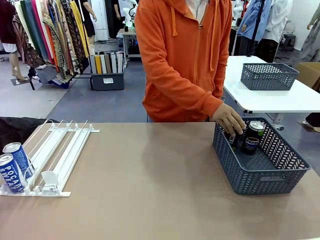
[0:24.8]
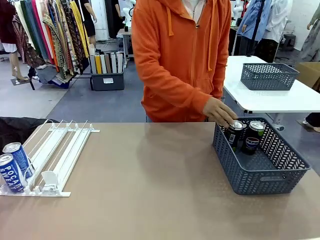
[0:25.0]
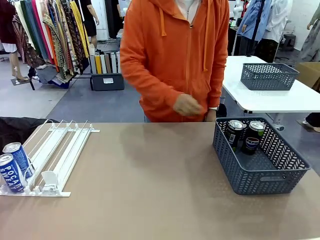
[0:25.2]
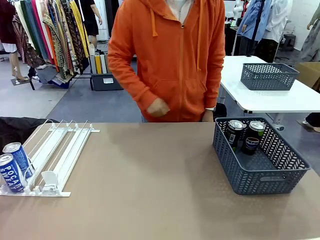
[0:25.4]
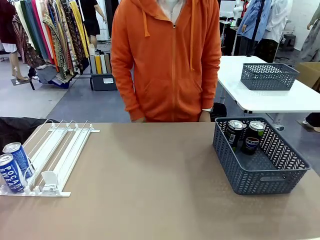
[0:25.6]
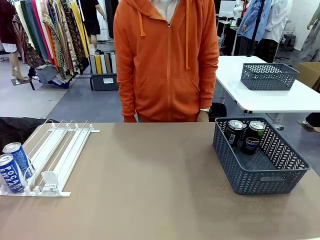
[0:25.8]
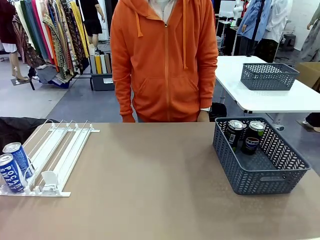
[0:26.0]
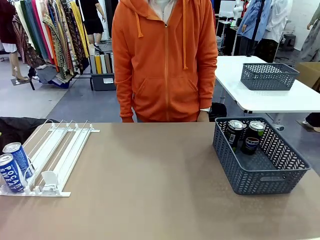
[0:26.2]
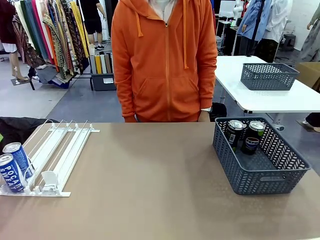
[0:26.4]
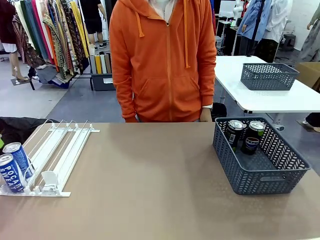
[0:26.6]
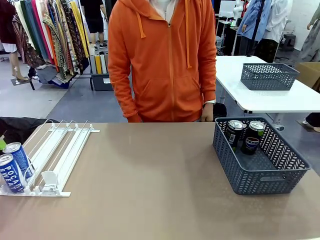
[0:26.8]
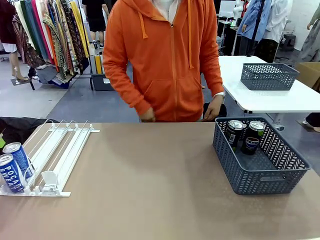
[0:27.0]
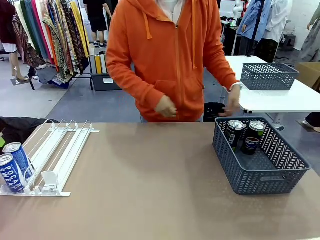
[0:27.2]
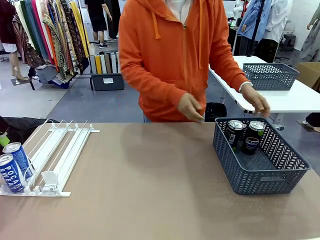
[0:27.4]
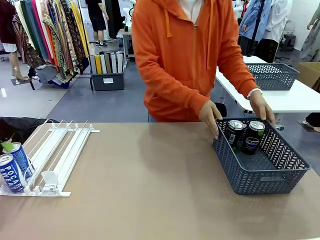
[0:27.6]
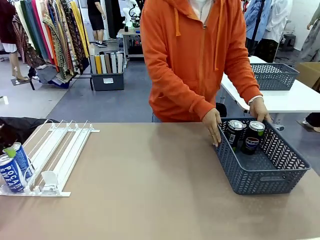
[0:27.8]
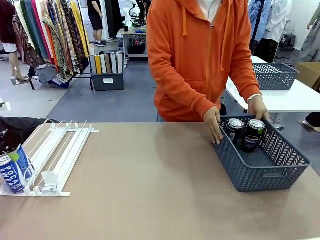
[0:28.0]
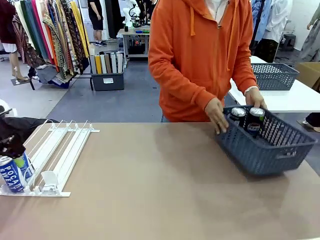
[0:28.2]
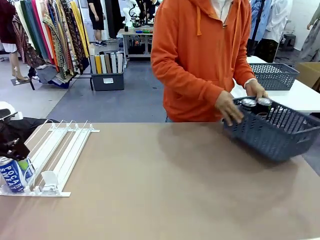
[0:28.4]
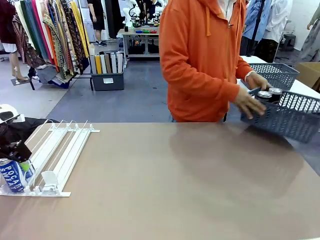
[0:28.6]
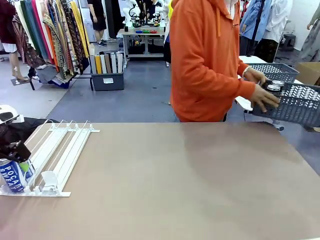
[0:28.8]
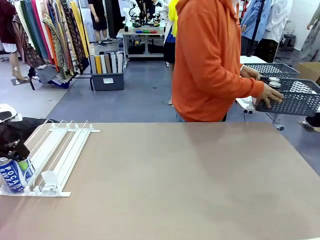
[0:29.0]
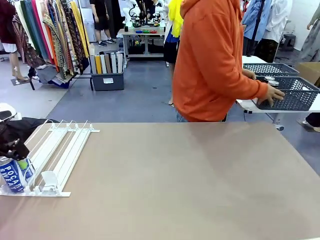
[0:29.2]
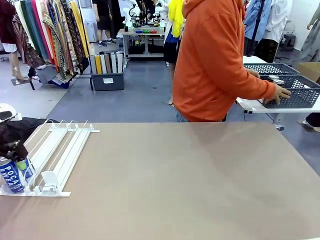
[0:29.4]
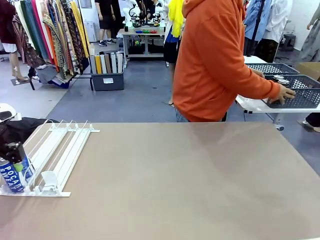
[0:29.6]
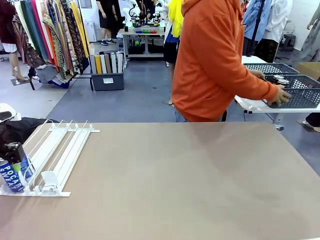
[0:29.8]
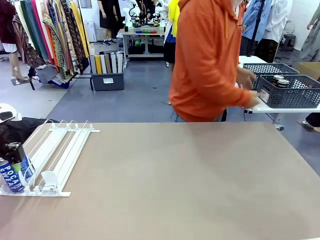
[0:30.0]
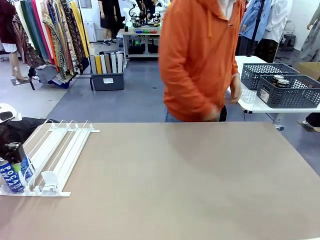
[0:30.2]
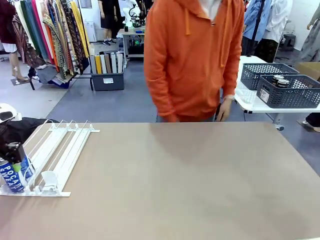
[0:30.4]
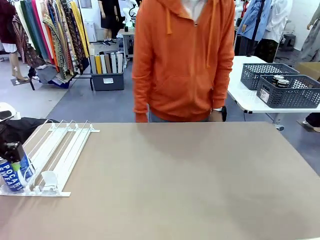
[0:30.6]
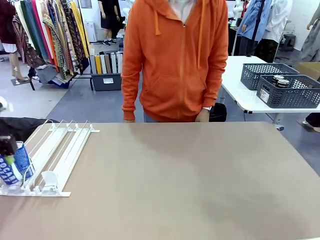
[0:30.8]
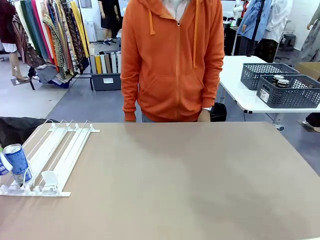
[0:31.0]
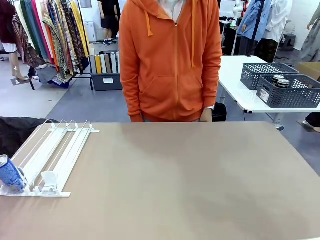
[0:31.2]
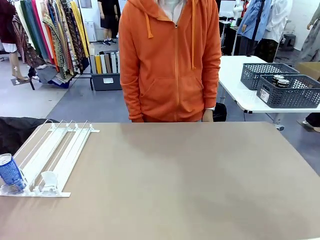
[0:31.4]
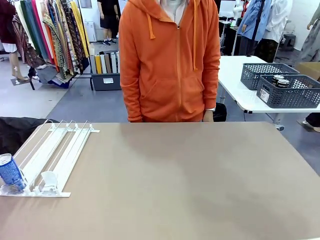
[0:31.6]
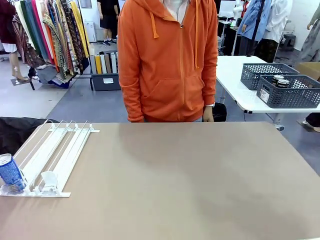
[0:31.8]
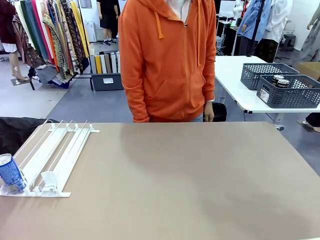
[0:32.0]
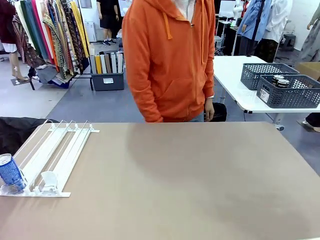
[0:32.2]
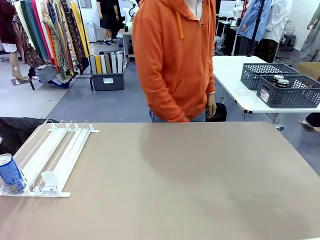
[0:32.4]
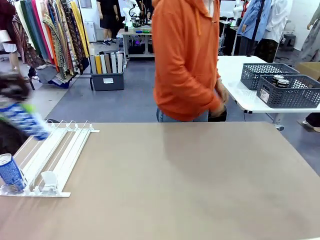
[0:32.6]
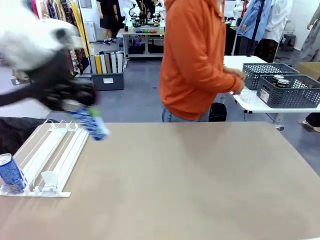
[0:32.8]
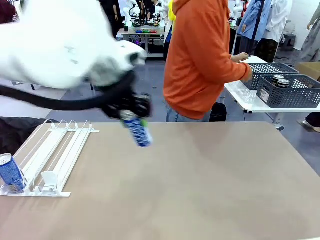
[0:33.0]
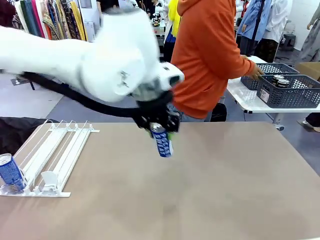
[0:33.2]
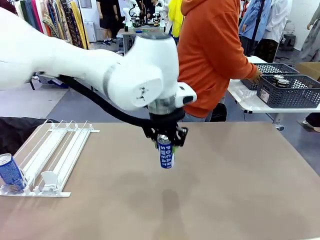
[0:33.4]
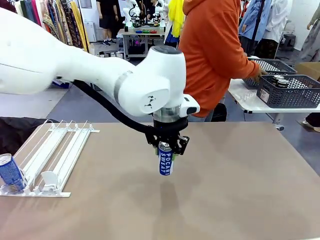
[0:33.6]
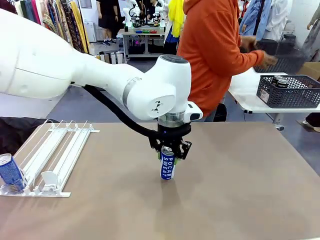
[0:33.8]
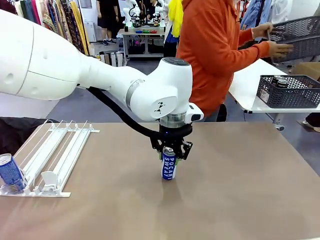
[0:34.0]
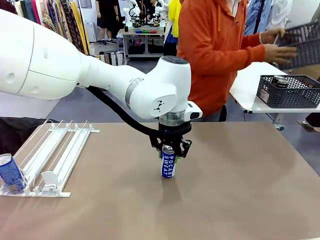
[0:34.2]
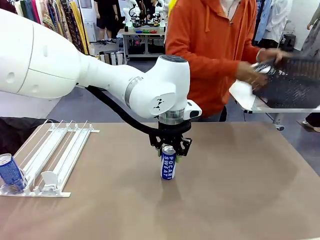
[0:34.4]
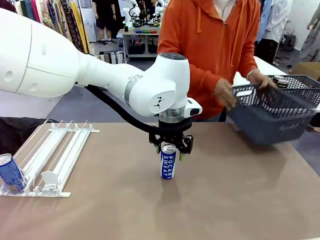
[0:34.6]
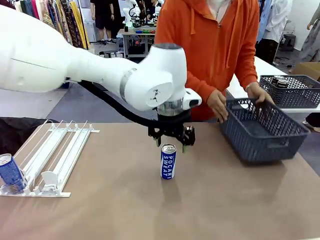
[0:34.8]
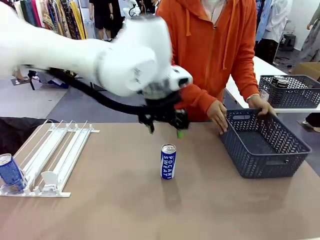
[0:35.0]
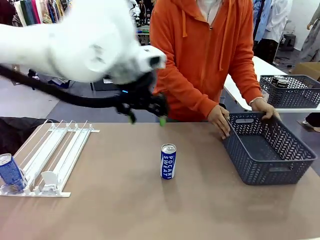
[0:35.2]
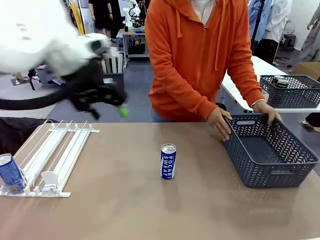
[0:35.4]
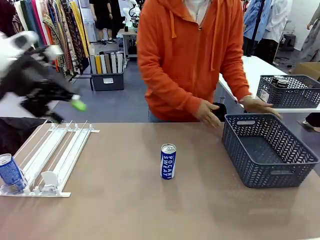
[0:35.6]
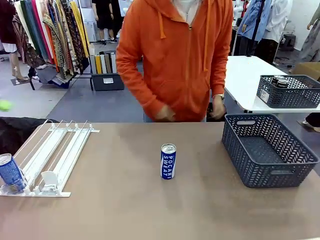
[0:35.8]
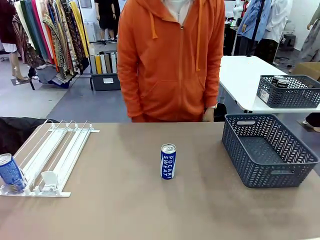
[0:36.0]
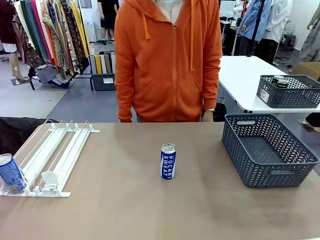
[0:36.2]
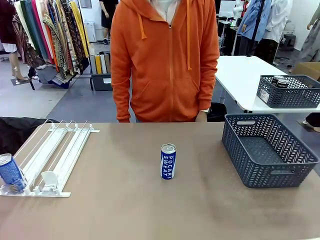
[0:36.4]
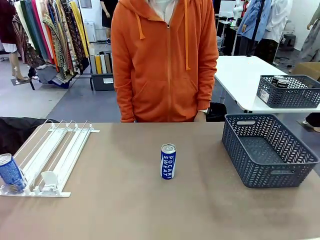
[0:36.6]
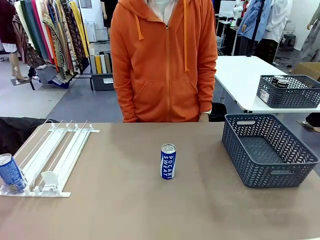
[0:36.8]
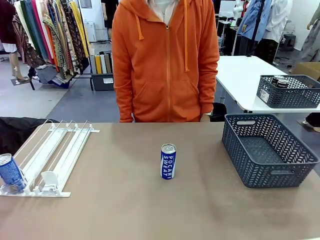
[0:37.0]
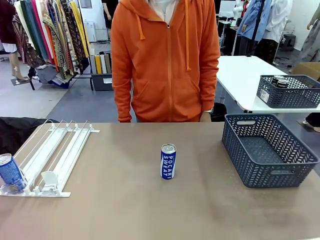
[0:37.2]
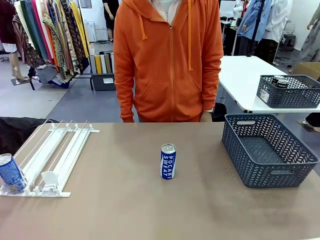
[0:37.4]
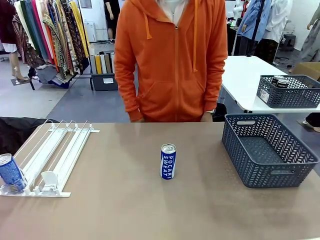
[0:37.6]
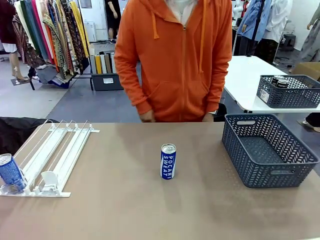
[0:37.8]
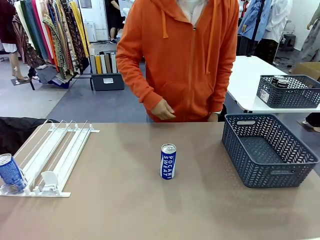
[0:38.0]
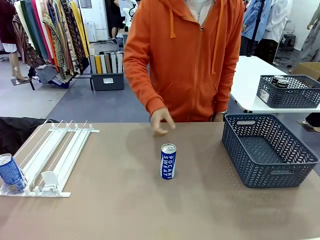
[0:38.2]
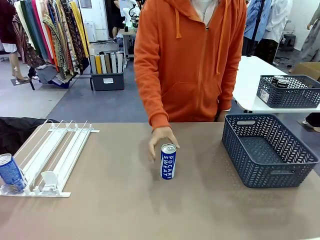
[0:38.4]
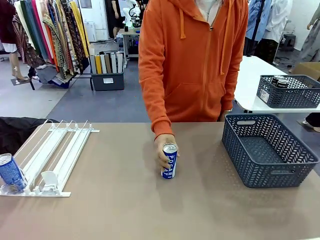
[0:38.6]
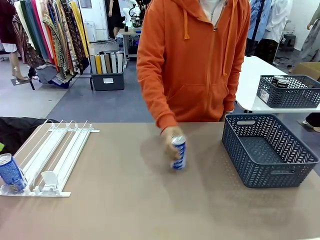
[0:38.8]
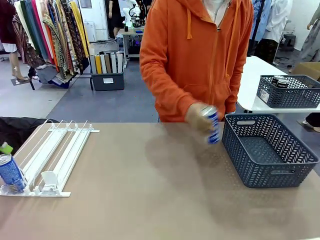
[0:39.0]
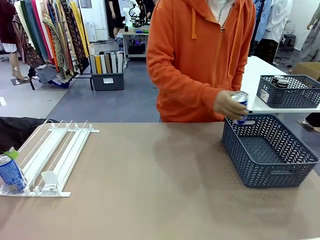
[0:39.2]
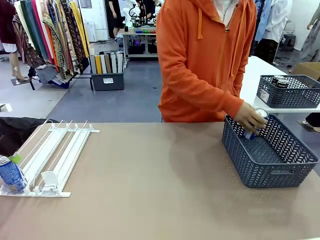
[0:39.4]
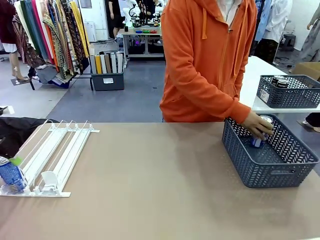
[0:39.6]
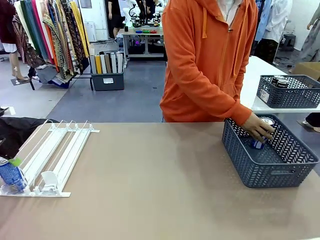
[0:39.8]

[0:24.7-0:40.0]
Task: Retrieve and store the cans from the dispenser.
Robot: Pick up one can from the Automatic Can Dispenser and place it in the middle of the table.
Person: Pick up the basket and place it in the middle of the human table. Pick up the empty basket and place it on the left side of the robot table.

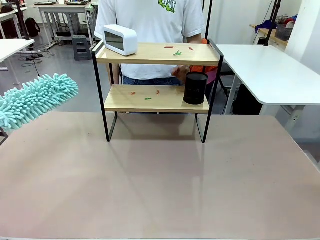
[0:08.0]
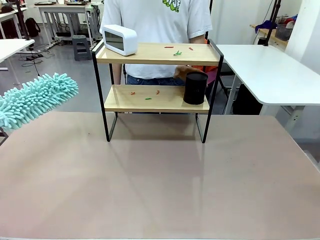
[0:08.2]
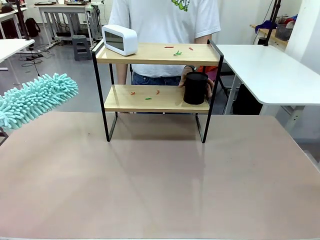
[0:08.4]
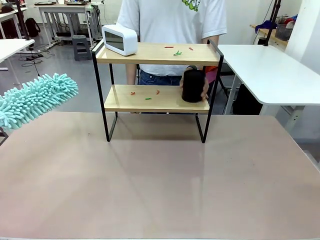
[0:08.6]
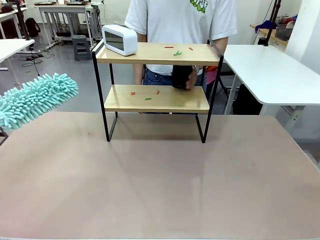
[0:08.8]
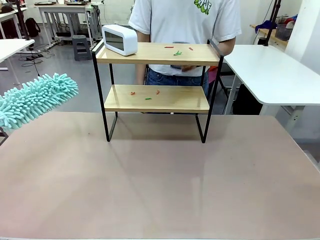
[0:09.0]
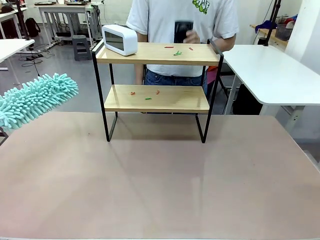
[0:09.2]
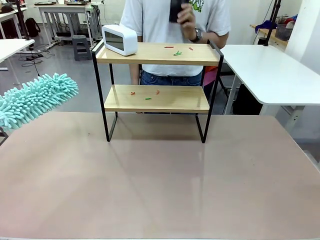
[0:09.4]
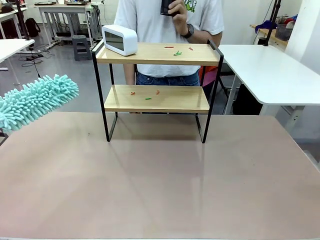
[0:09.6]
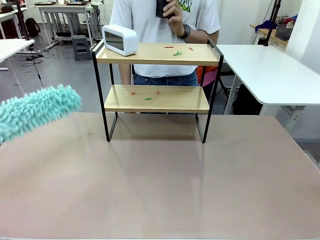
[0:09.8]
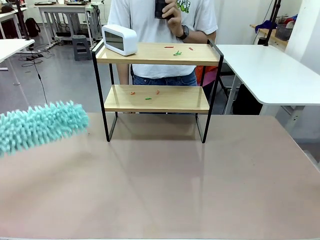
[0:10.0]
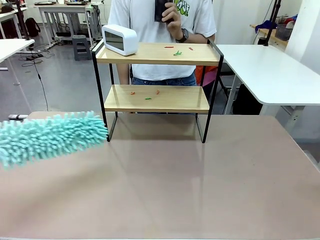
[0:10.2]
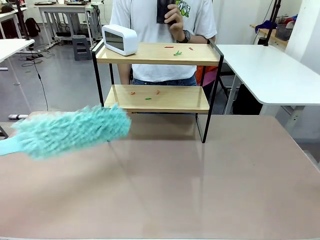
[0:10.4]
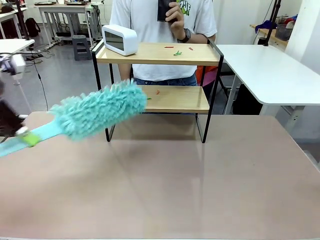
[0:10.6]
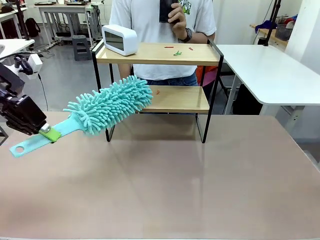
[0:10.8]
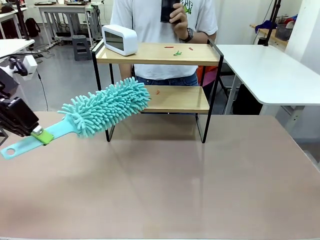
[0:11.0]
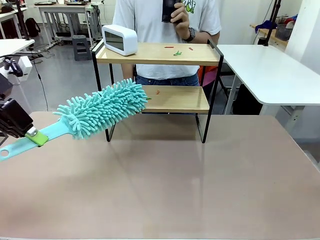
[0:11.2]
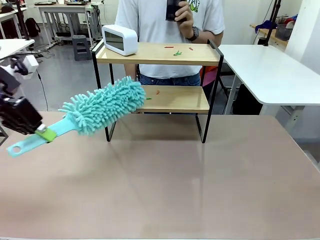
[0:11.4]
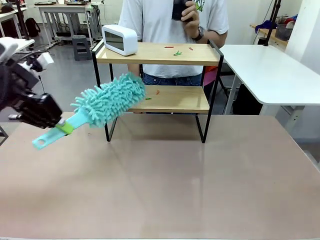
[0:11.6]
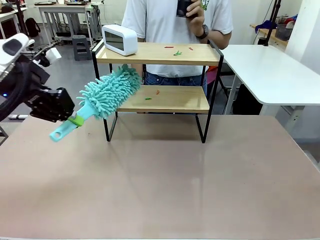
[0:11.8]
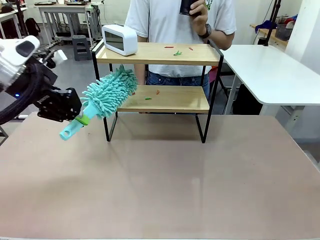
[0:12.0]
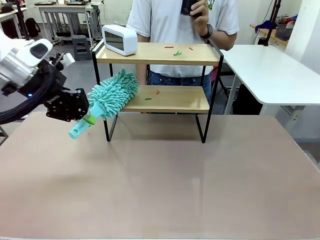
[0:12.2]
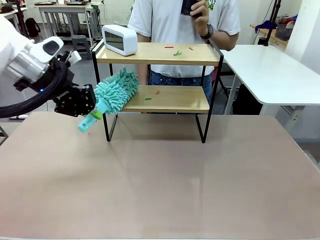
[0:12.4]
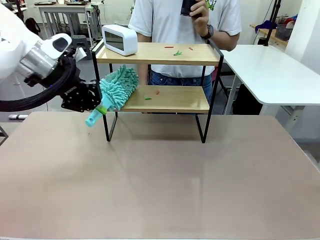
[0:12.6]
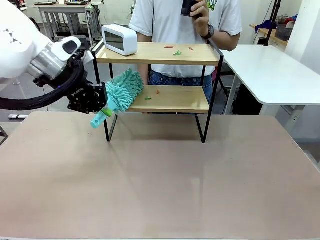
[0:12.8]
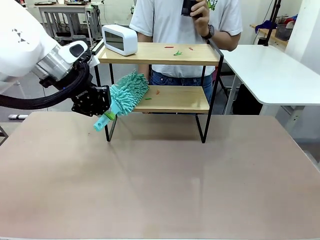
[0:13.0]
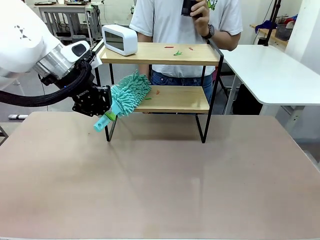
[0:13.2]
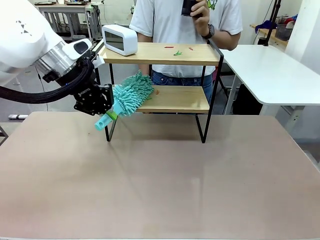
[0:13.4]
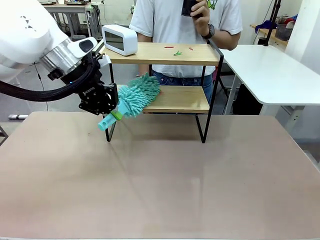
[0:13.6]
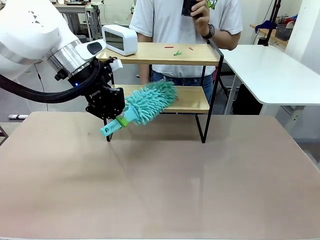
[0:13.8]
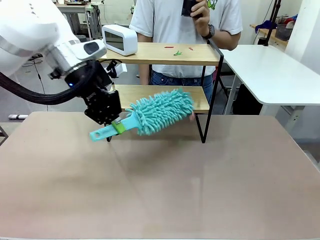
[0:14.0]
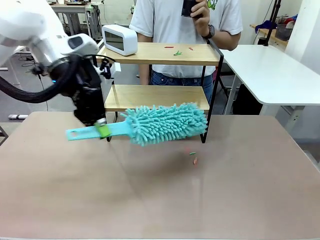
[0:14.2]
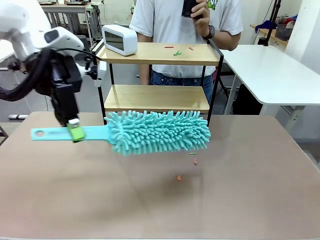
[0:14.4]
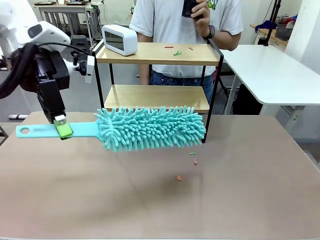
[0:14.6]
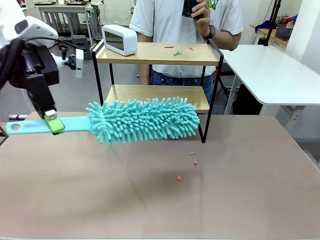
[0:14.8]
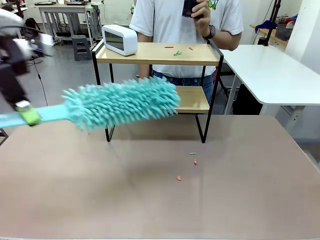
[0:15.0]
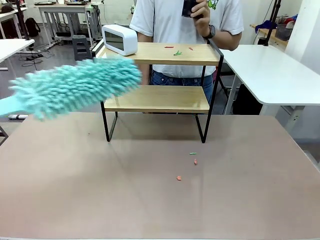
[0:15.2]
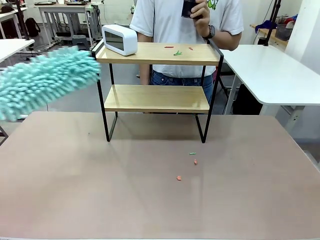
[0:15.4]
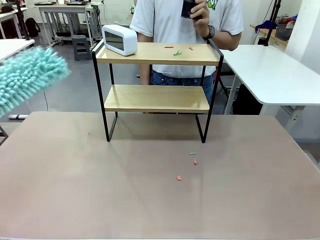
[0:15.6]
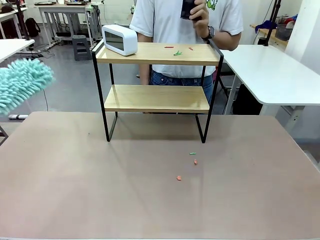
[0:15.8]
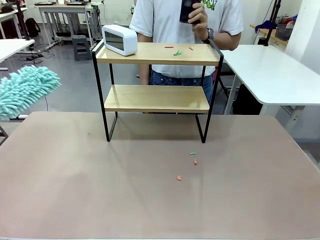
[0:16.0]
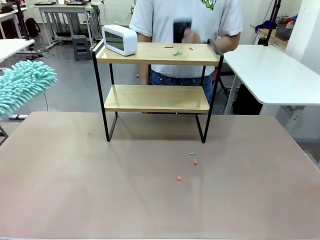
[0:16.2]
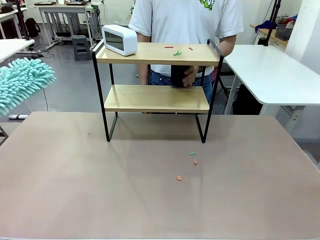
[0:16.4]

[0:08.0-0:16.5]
Task: Clean the shelf.
Robot: Clean the specific tier of the Shelf with the Duster once objects are removed.
Person: Lift the objects on a randomly selected tier of the Shelf. Once the robot finishes cleaning, lift the objects on the remaining tiers of the Shelf.
